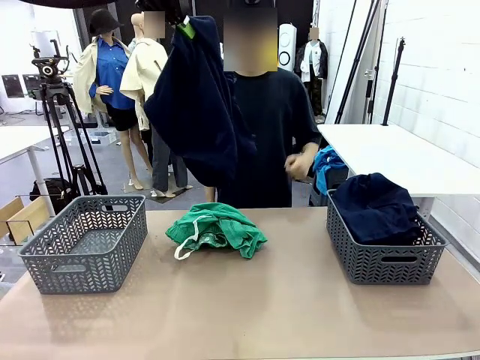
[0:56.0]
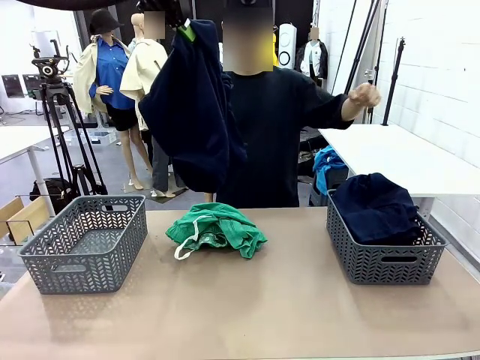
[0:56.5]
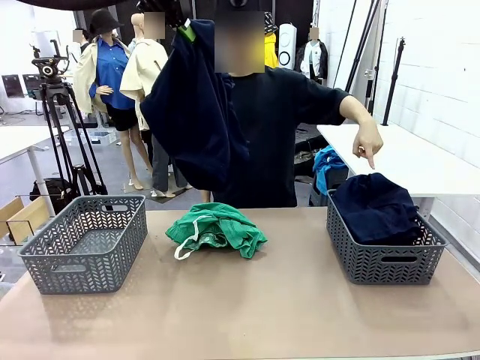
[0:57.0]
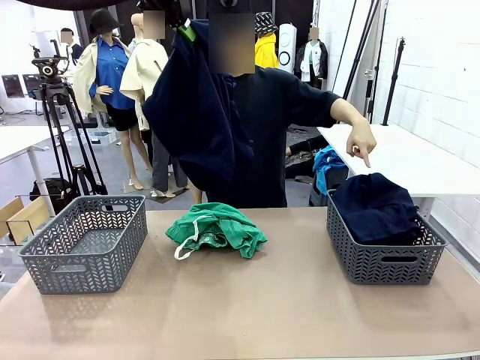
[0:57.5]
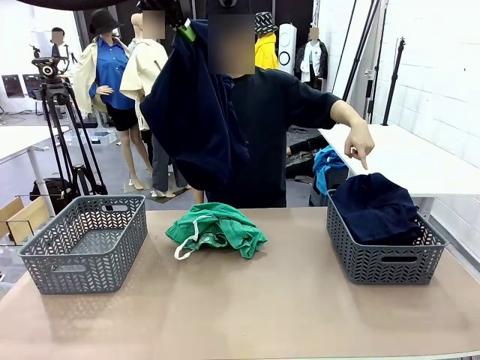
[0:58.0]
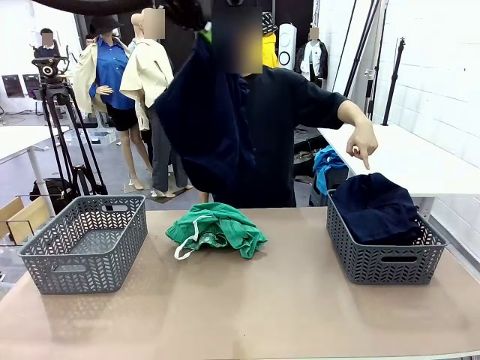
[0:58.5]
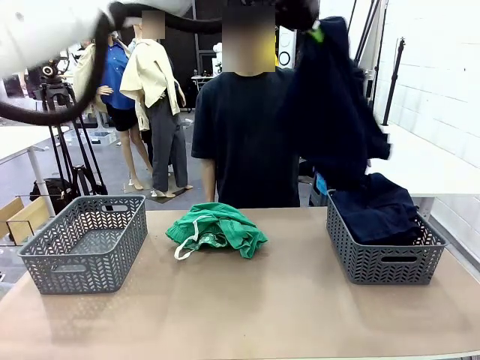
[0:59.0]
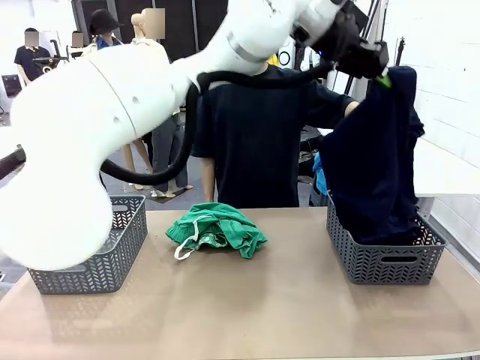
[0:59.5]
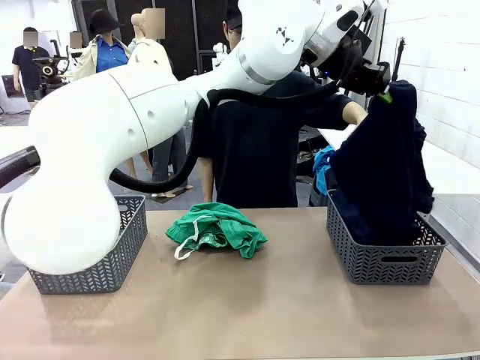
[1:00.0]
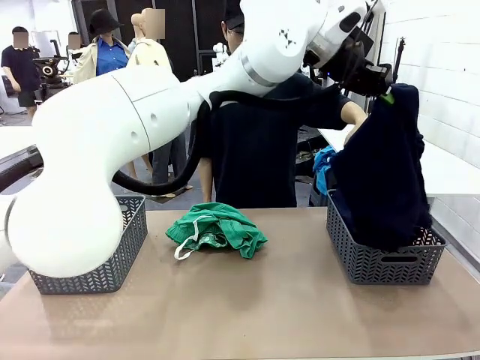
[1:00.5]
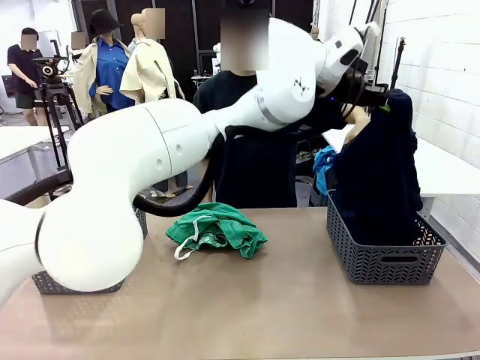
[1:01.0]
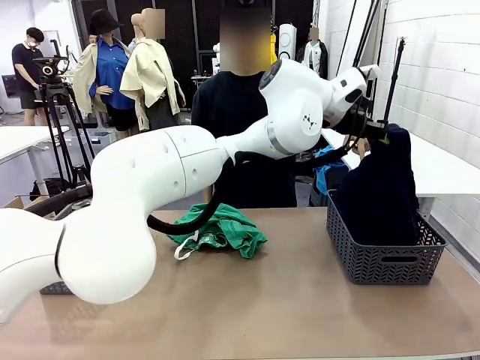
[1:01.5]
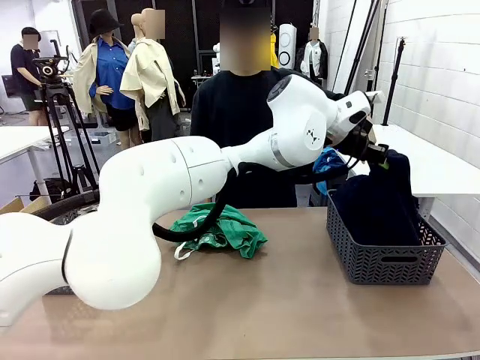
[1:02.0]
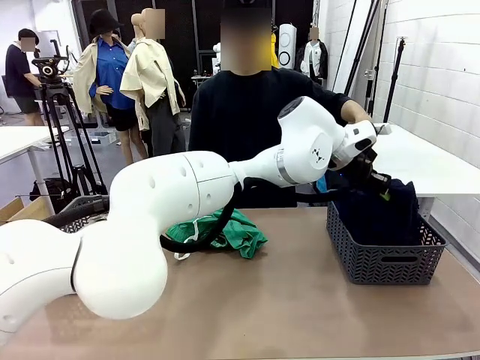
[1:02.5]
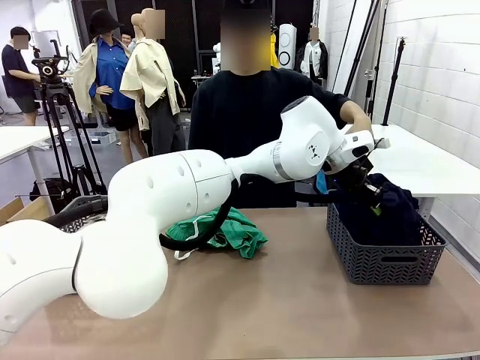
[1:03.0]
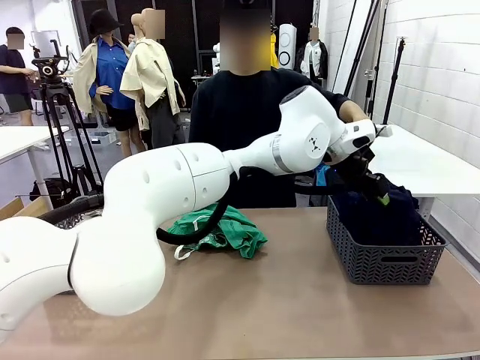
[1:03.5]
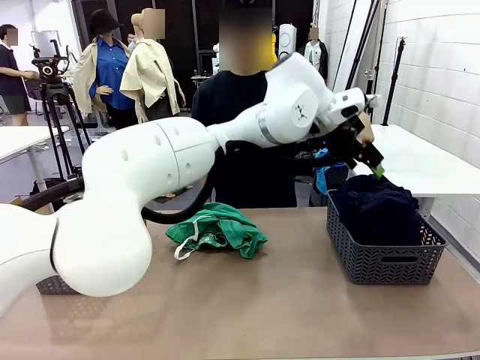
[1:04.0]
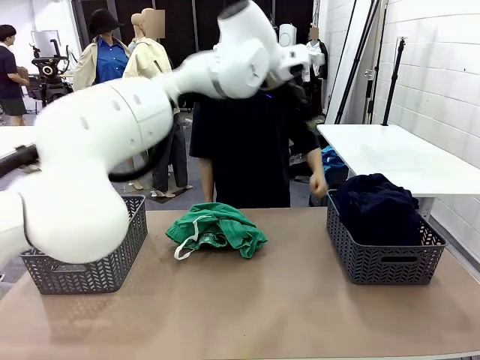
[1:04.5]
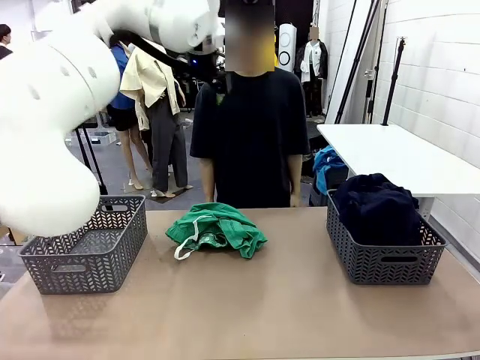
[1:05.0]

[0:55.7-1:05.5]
Task: Sort the tops and bottoms.
Robot: Sort the clothes according to human instructions.

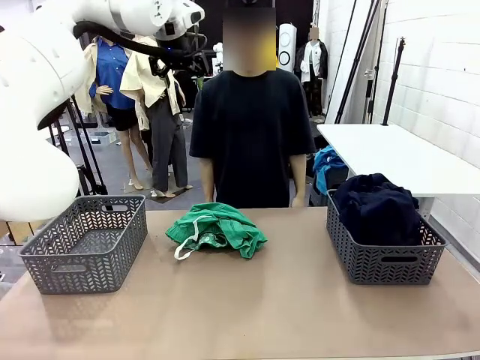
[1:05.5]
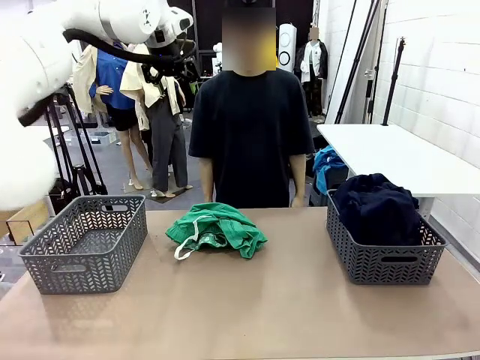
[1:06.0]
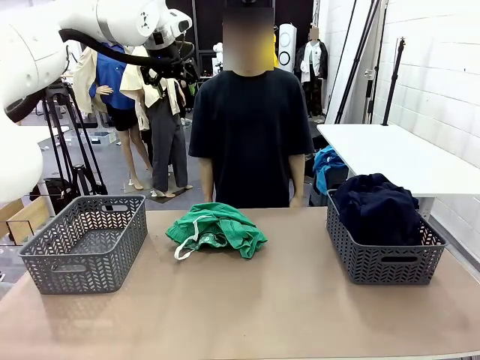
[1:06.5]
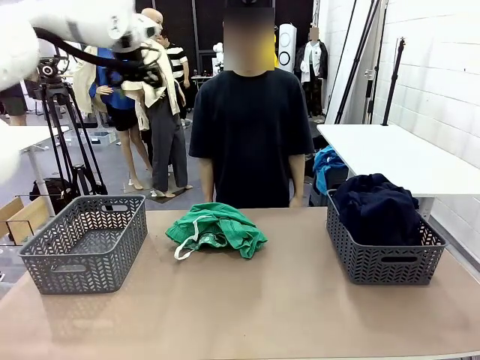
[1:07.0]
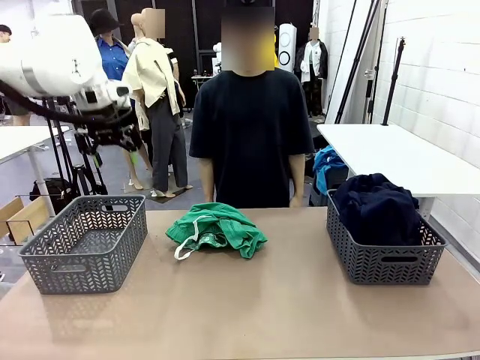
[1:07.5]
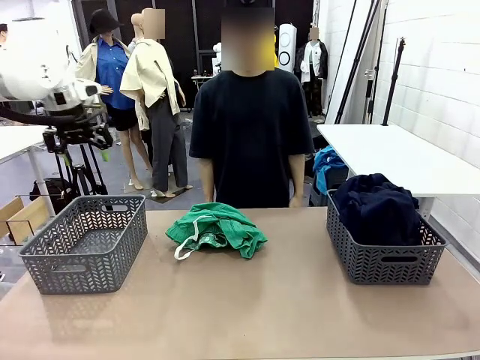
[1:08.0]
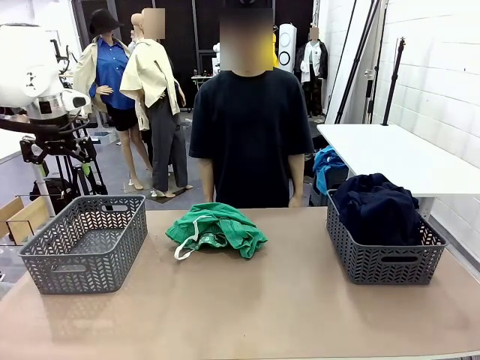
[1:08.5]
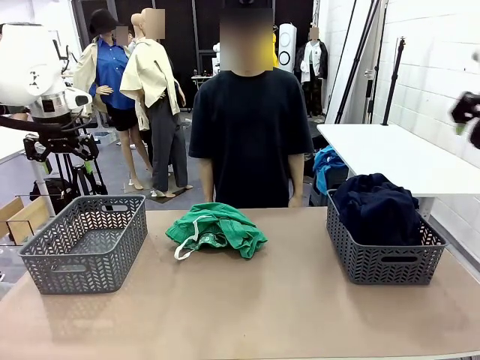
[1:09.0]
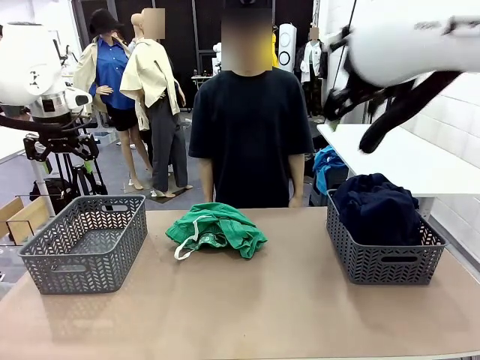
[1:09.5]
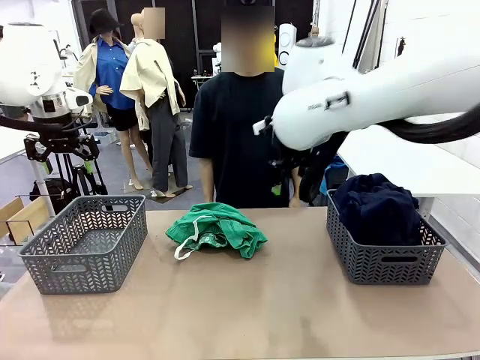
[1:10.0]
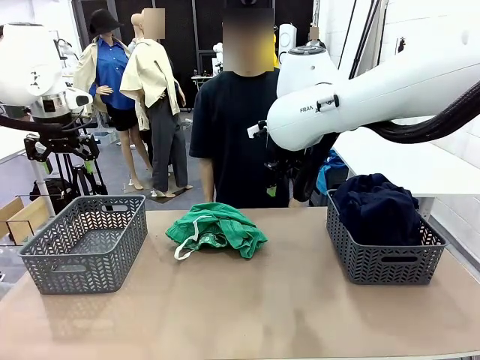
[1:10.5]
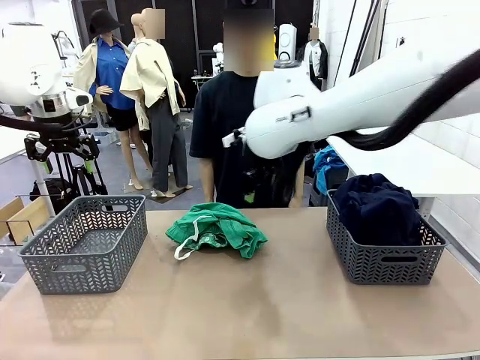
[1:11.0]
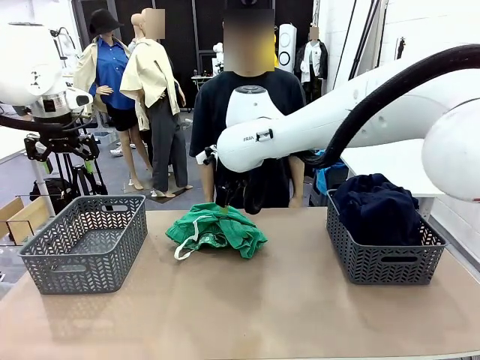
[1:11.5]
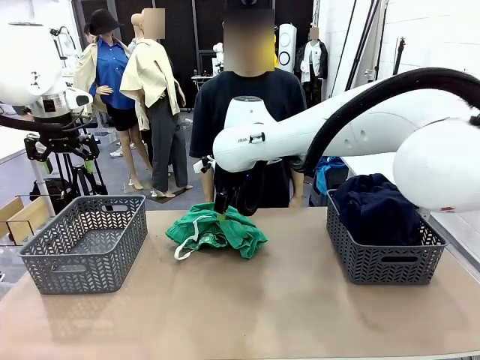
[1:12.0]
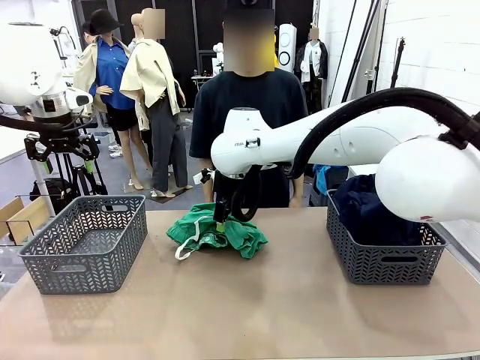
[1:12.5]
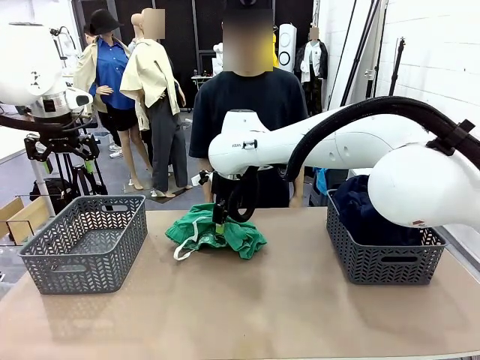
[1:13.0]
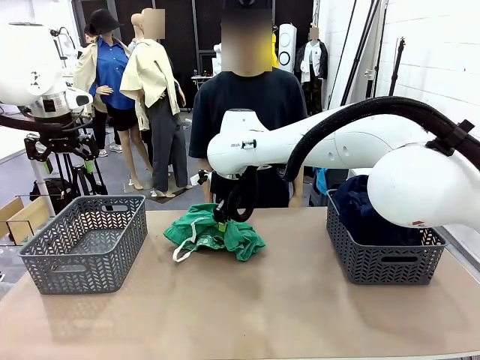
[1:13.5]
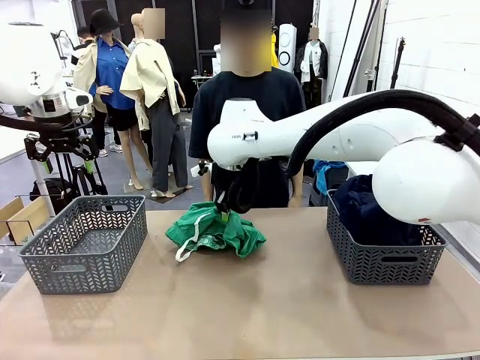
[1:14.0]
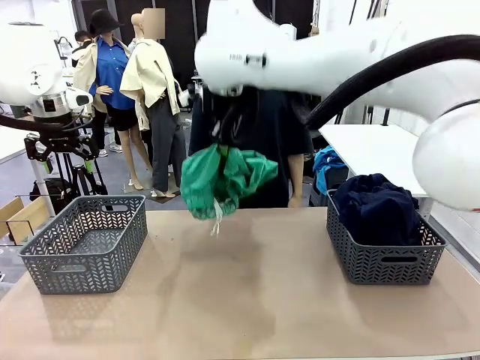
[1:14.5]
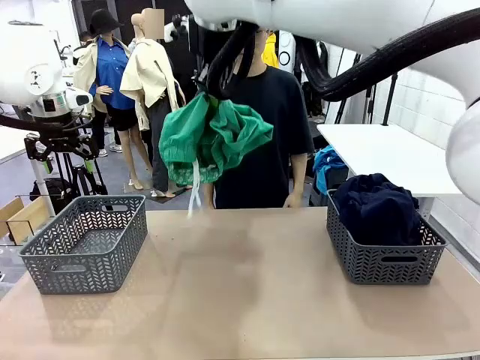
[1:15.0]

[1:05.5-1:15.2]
Robot: Lift clothes from the center of the table with your right hand.

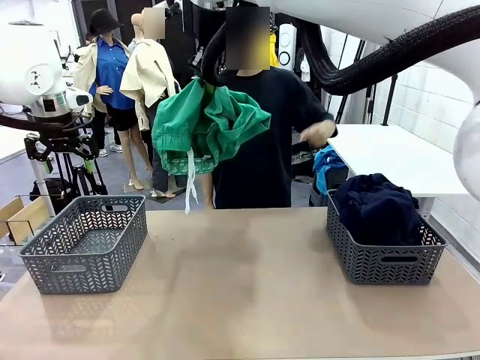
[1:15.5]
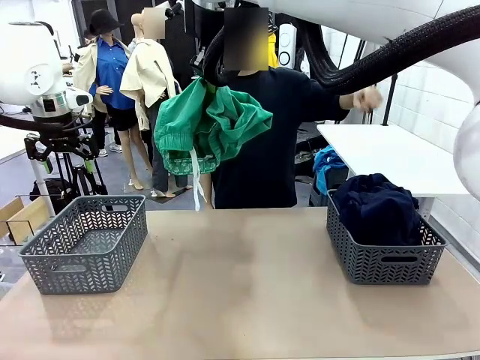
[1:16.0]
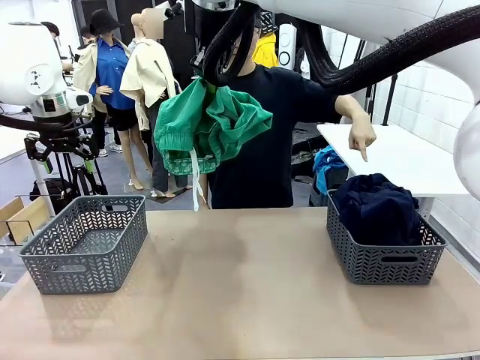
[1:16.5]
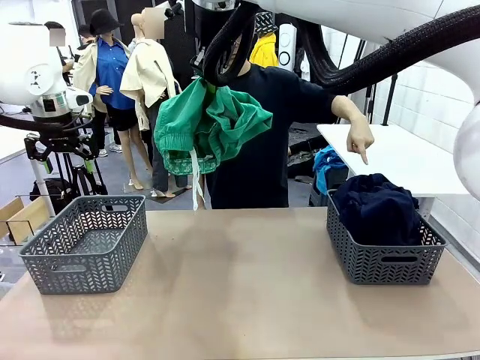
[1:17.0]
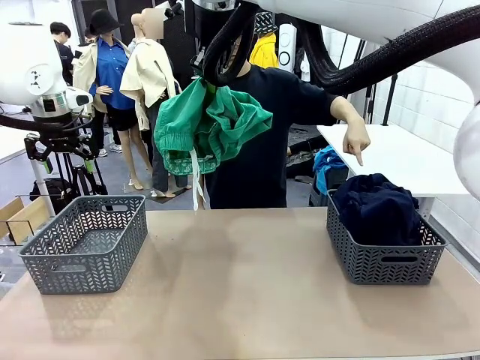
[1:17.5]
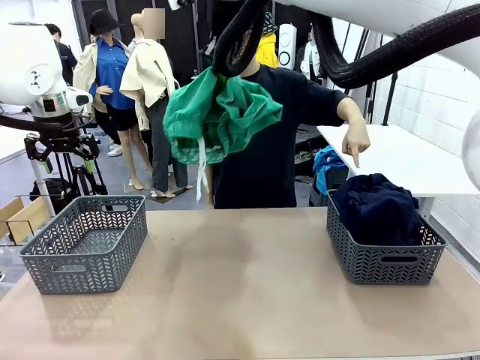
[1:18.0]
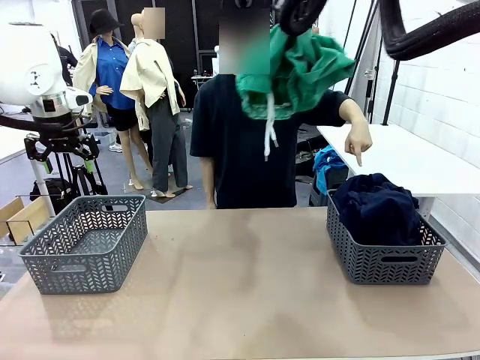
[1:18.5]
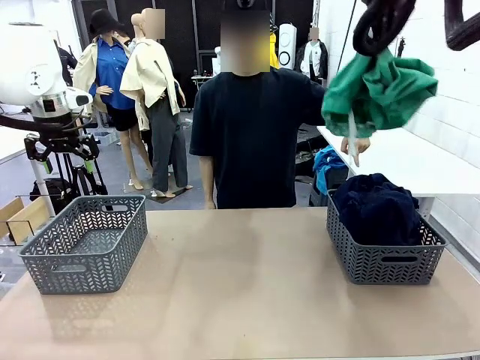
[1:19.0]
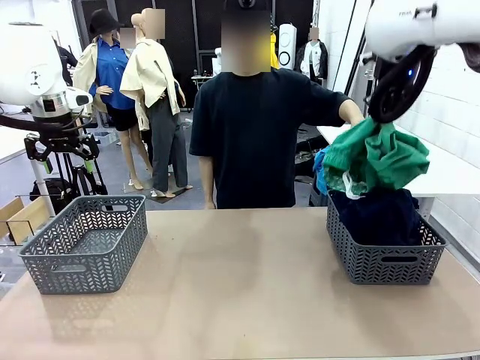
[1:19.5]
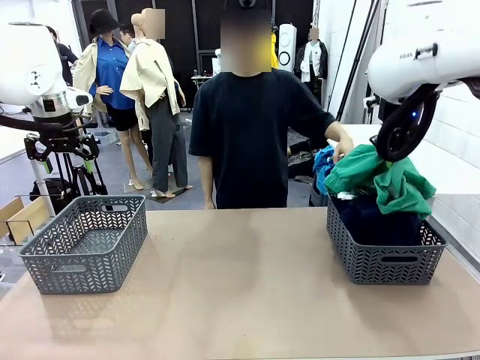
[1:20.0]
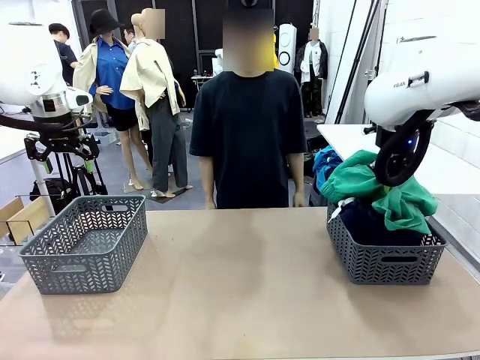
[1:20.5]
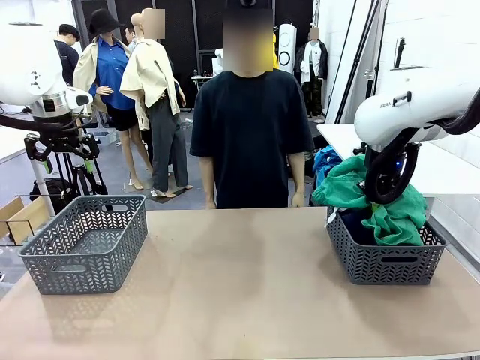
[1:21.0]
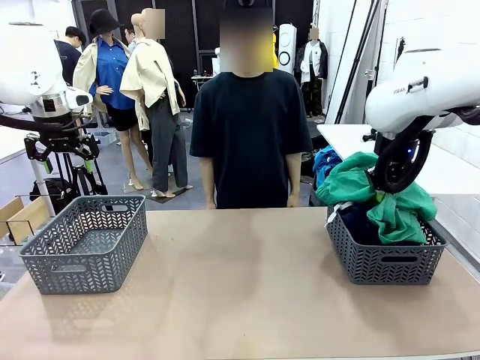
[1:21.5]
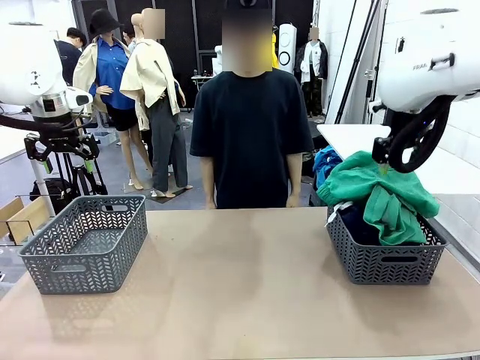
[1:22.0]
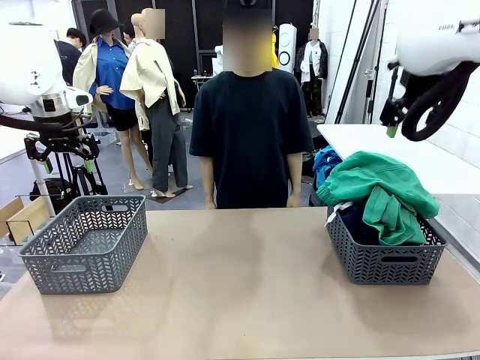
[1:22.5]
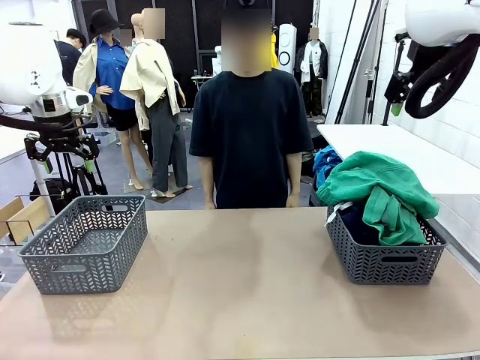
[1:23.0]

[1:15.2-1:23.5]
Robot: Sort the clothes according to human instructions.
